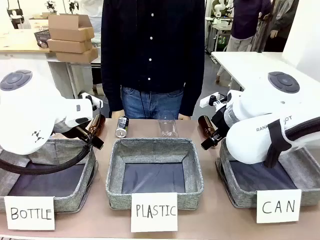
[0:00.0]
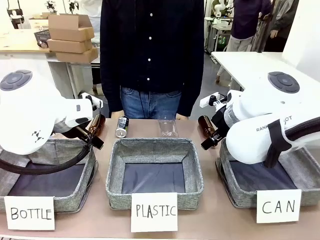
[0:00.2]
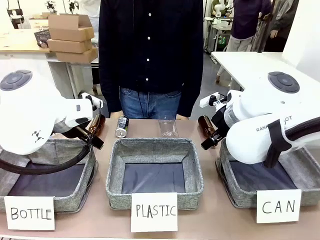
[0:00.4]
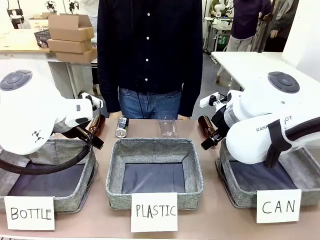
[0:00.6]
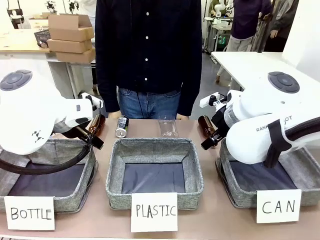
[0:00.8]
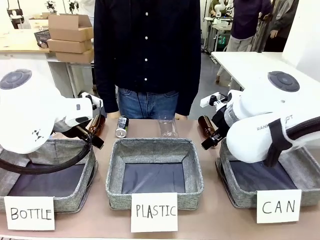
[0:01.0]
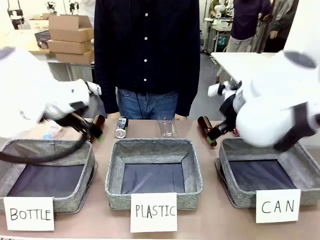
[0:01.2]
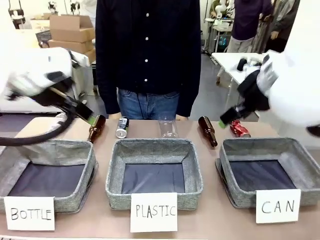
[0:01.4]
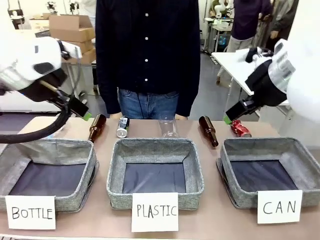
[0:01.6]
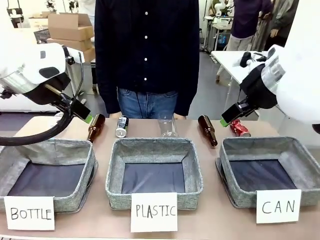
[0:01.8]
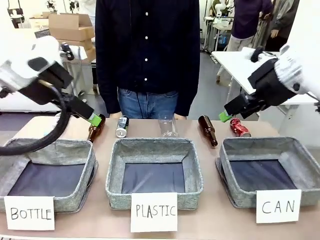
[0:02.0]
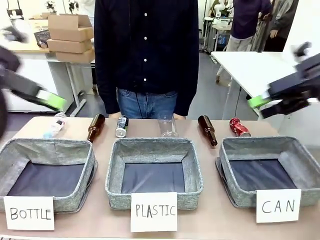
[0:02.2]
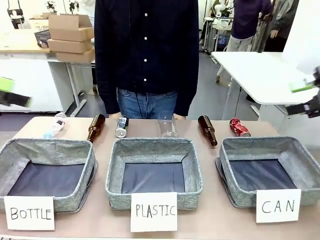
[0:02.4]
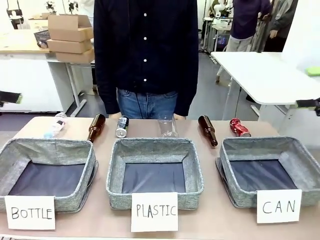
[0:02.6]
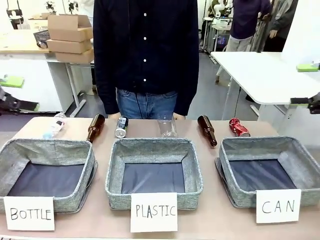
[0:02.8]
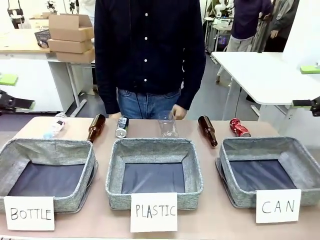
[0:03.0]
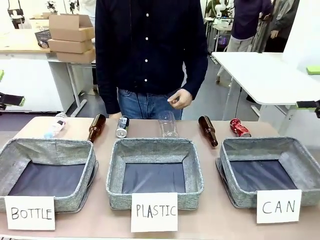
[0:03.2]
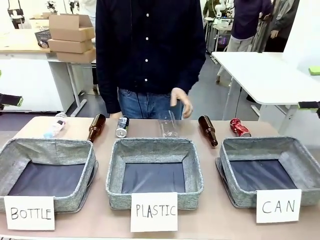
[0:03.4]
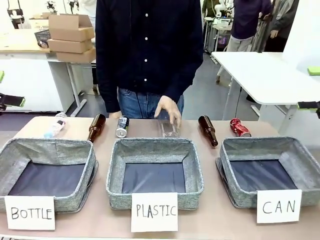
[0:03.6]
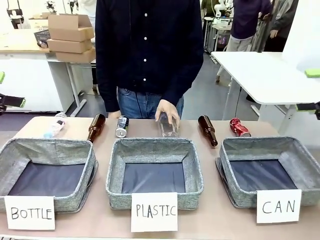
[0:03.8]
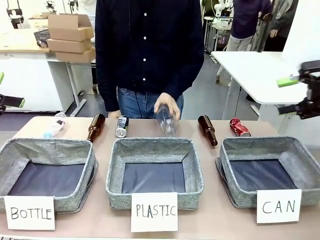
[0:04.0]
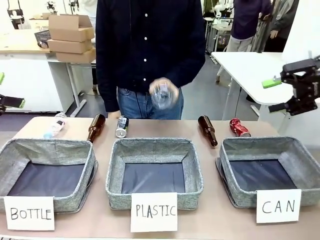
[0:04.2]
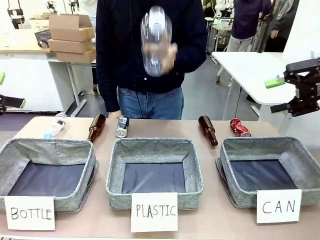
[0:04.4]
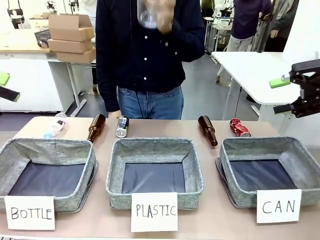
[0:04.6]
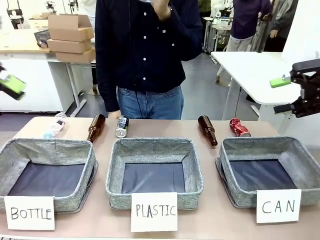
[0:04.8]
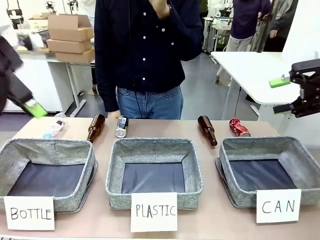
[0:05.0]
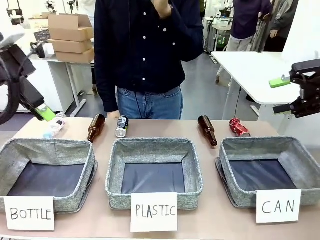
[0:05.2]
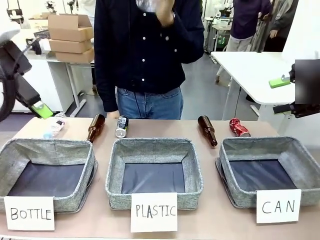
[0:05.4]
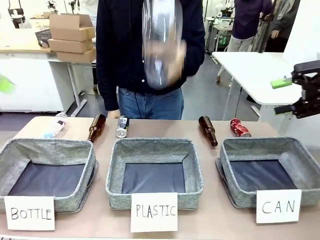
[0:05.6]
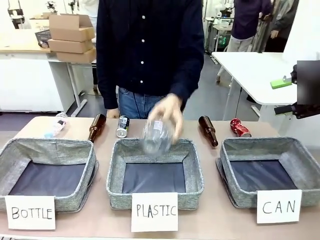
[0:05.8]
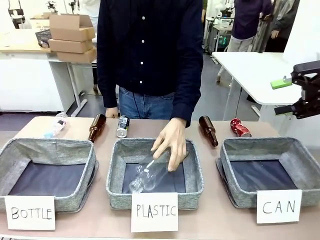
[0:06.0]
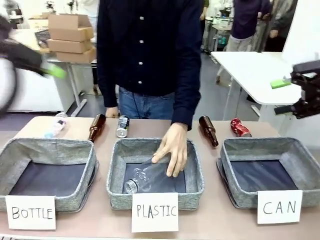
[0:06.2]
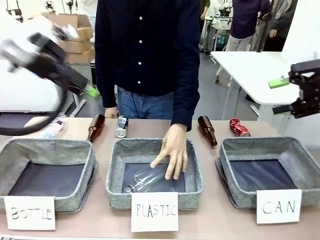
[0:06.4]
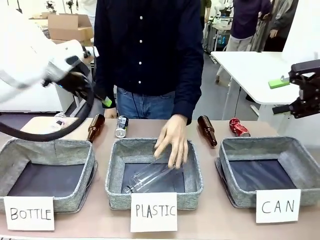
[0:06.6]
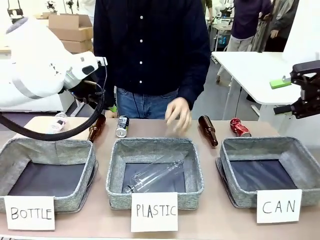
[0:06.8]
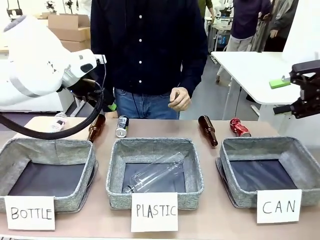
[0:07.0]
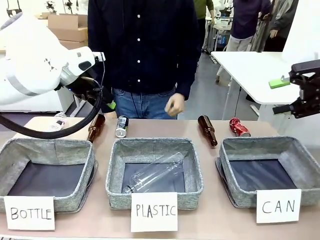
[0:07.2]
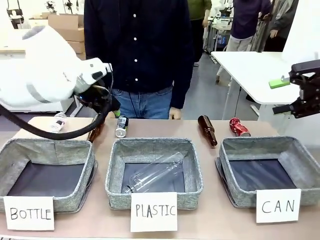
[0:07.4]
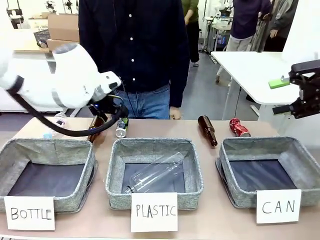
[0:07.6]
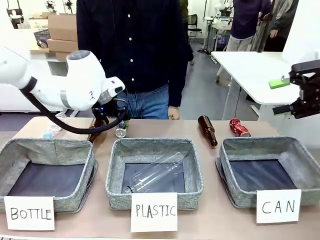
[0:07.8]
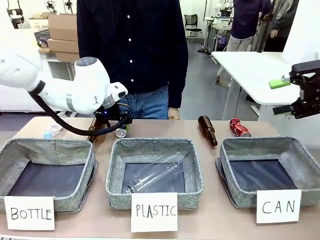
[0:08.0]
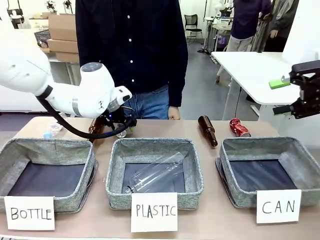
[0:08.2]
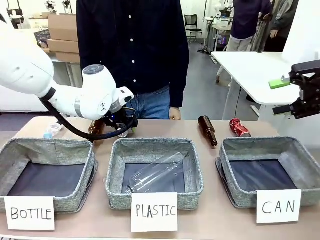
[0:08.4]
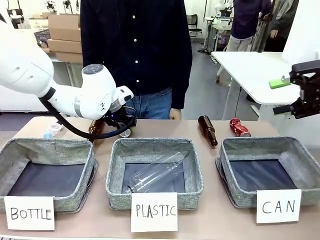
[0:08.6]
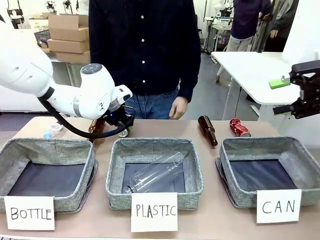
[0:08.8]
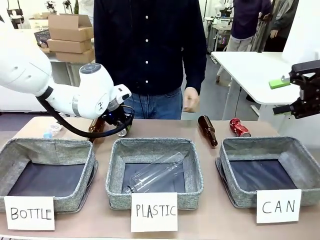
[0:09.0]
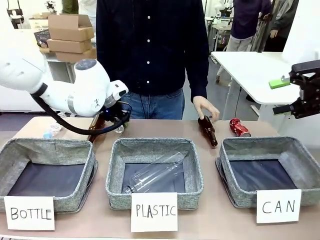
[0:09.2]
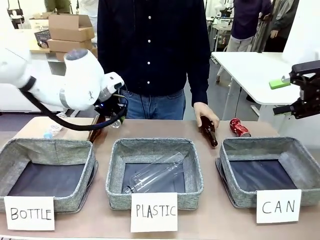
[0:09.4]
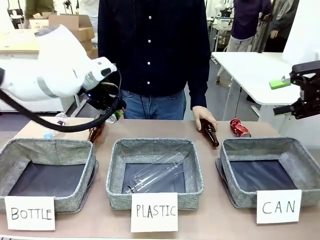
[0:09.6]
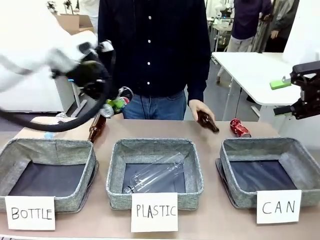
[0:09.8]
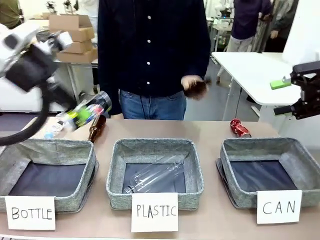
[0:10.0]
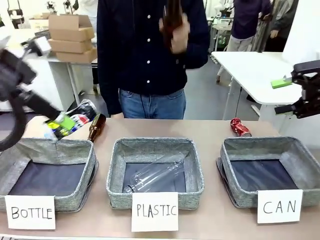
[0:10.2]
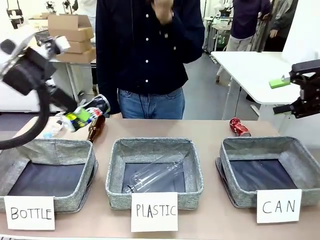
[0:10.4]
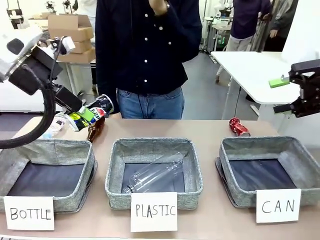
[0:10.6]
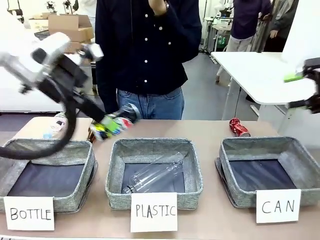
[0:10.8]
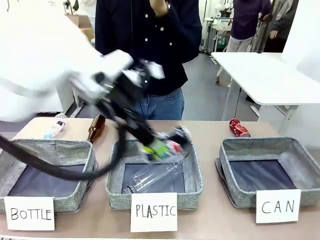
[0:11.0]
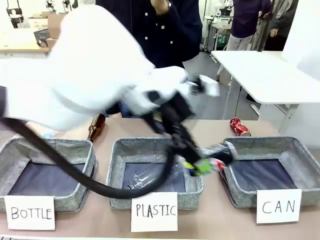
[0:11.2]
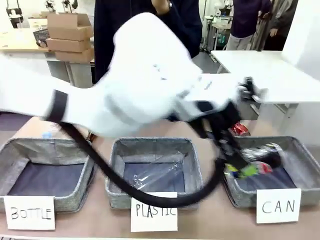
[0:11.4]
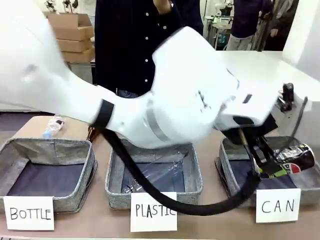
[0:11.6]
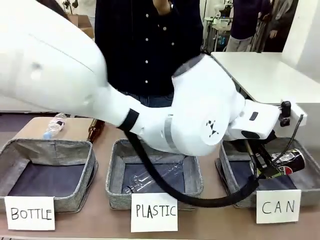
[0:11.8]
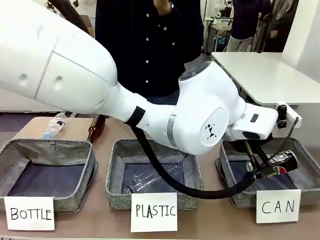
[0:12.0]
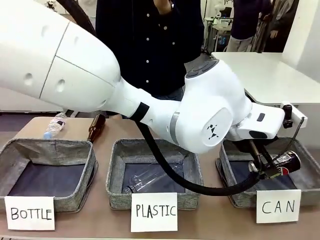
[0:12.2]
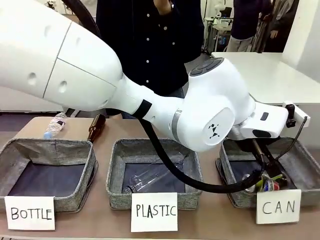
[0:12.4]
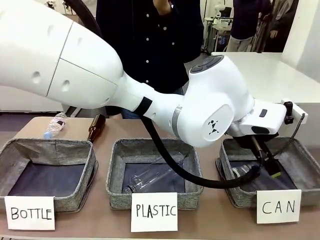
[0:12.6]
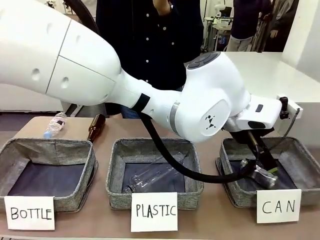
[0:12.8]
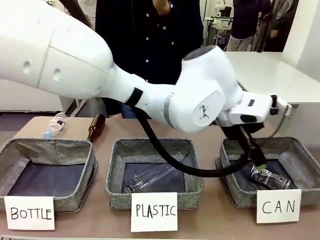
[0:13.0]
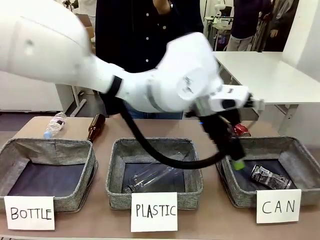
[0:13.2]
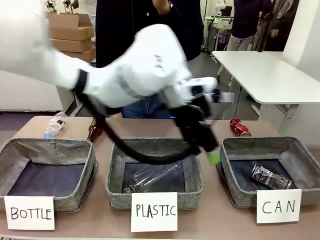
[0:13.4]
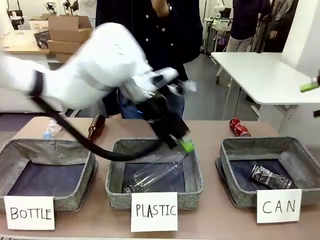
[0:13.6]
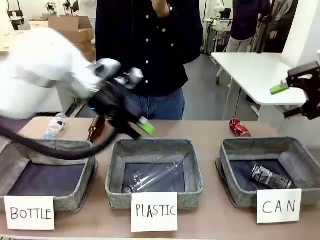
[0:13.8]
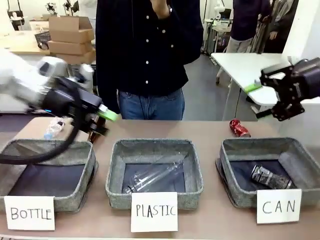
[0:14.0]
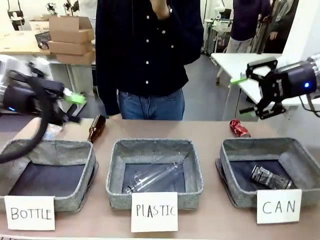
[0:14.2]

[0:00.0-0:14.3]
Task: Sort the can waste into the basket.
Robot: Pick up the can waste from the table and place it in the right Fabric basket.
